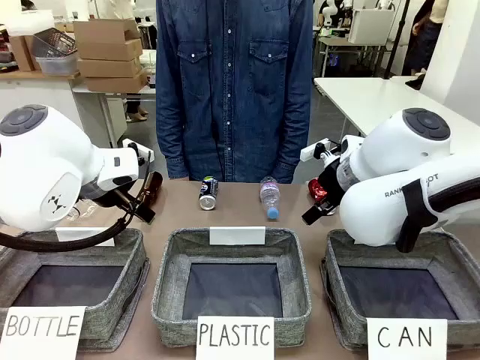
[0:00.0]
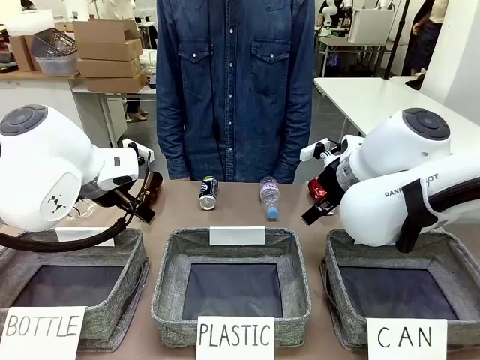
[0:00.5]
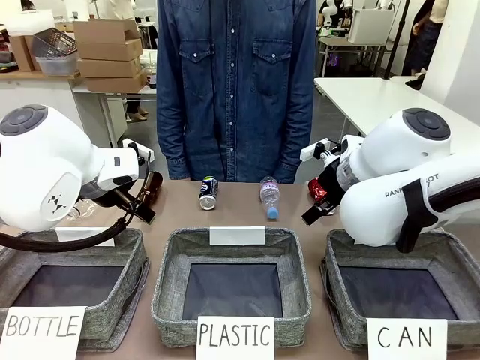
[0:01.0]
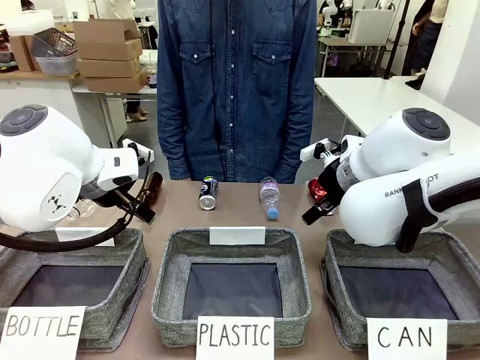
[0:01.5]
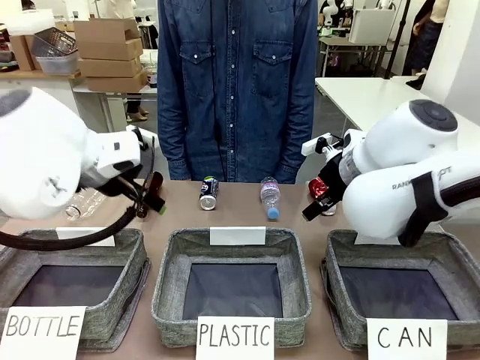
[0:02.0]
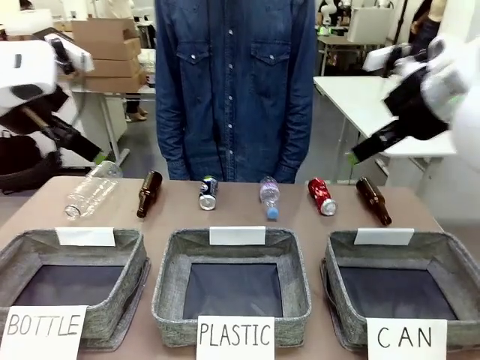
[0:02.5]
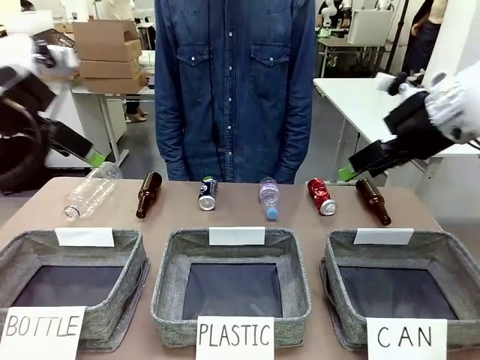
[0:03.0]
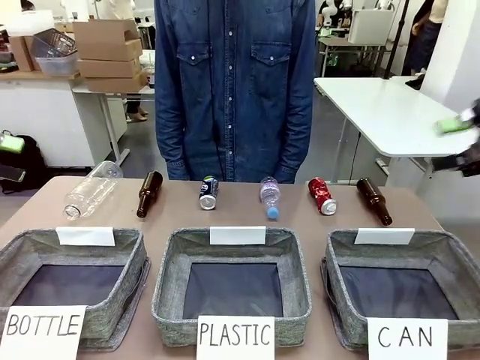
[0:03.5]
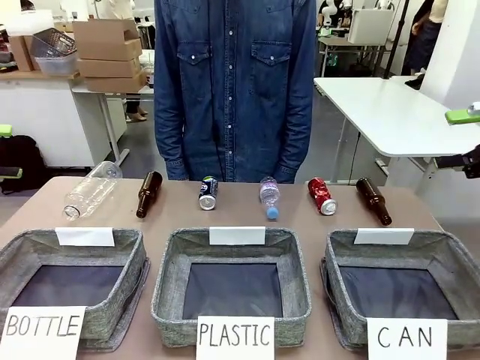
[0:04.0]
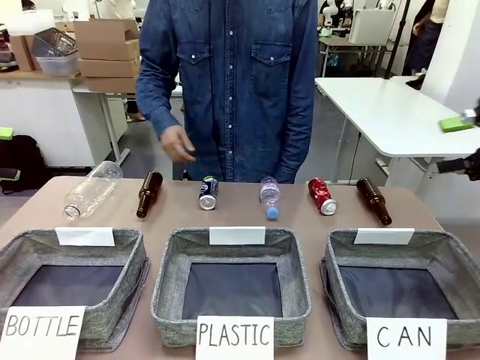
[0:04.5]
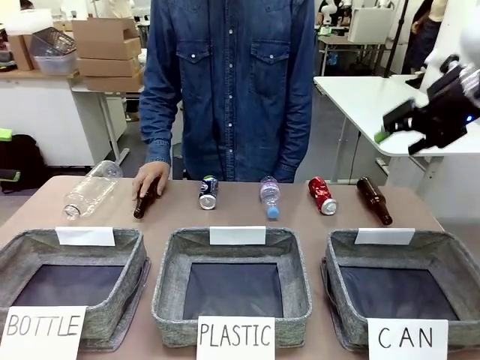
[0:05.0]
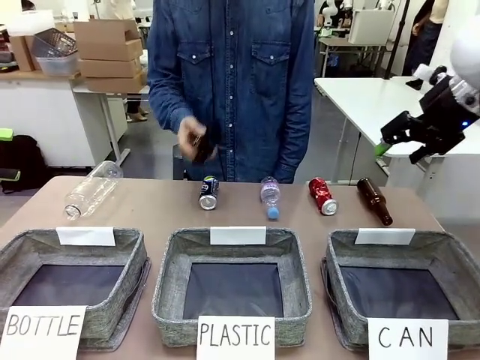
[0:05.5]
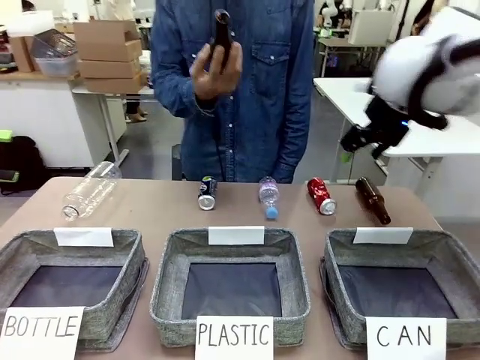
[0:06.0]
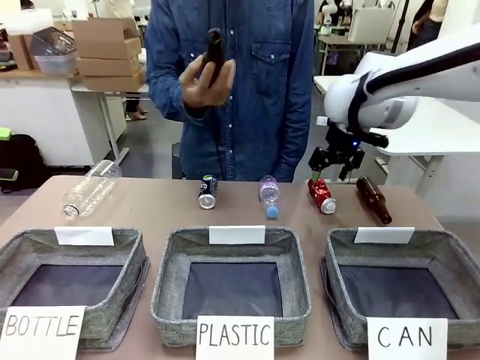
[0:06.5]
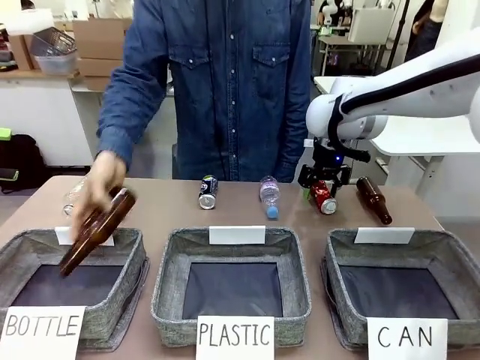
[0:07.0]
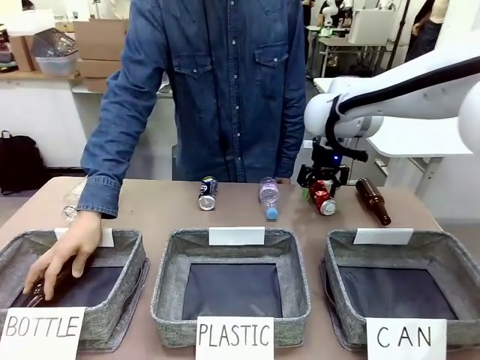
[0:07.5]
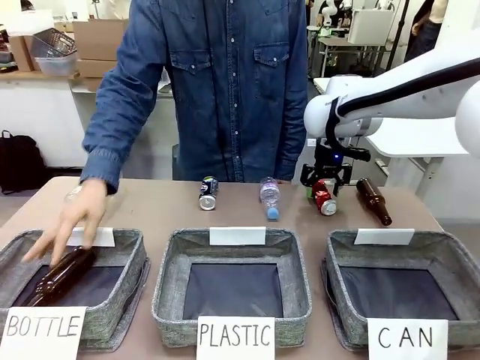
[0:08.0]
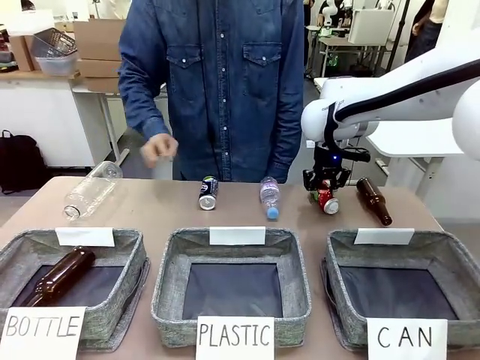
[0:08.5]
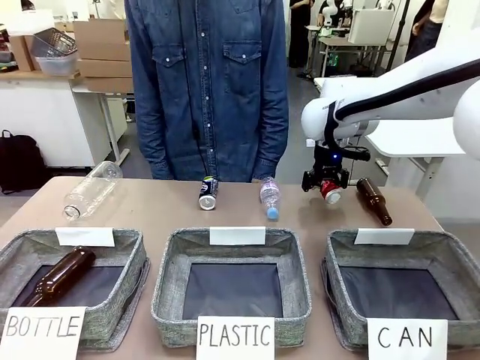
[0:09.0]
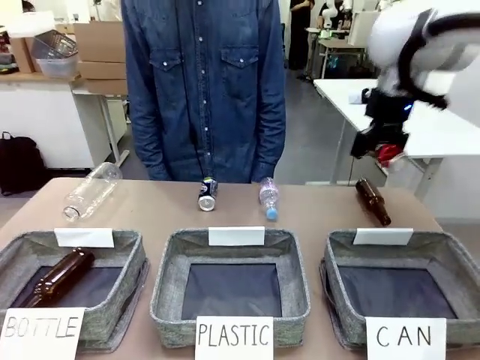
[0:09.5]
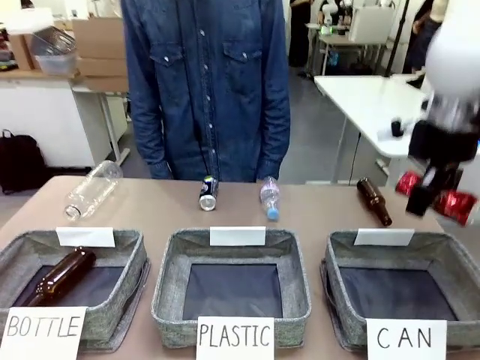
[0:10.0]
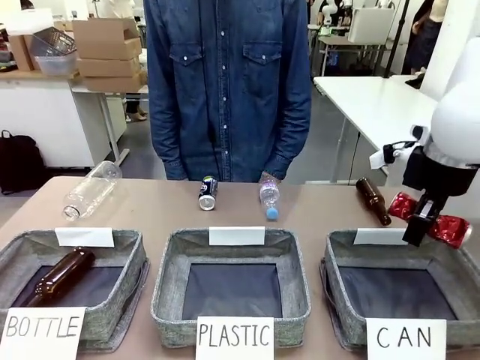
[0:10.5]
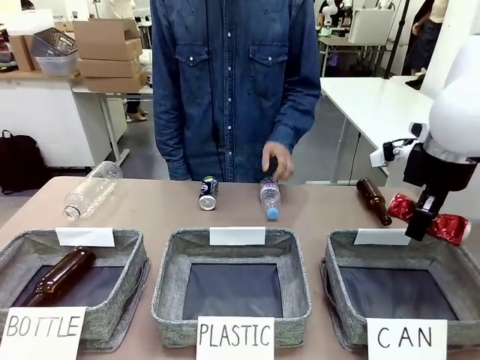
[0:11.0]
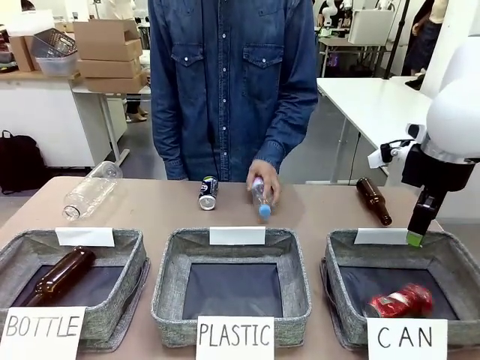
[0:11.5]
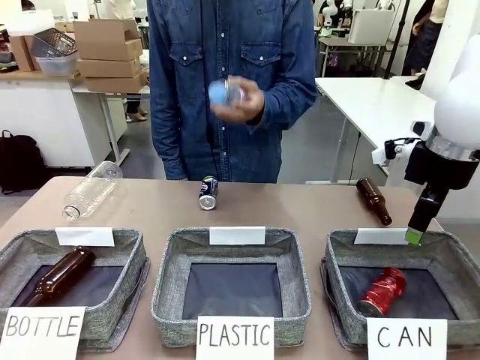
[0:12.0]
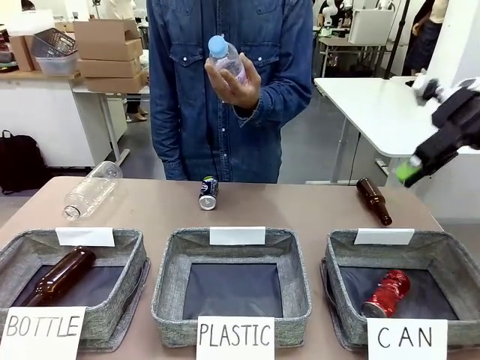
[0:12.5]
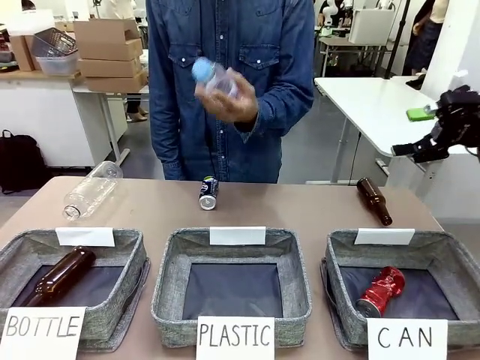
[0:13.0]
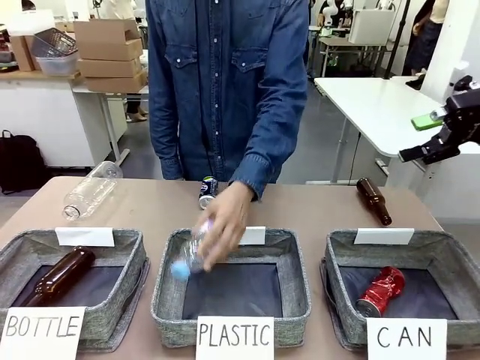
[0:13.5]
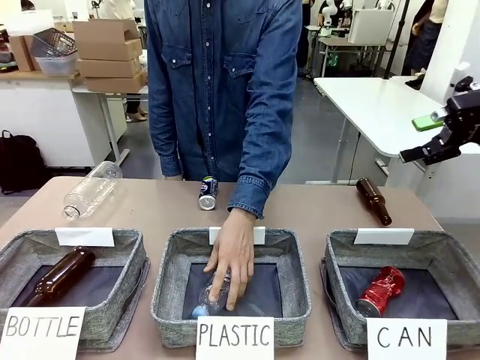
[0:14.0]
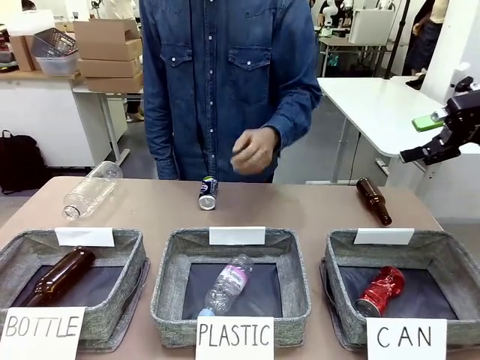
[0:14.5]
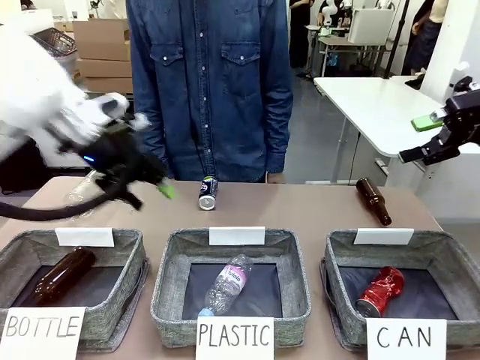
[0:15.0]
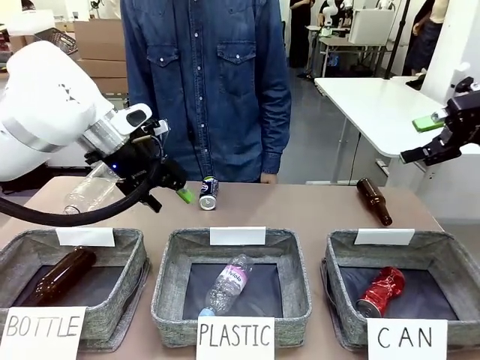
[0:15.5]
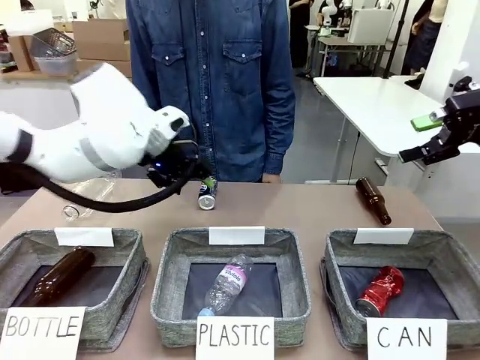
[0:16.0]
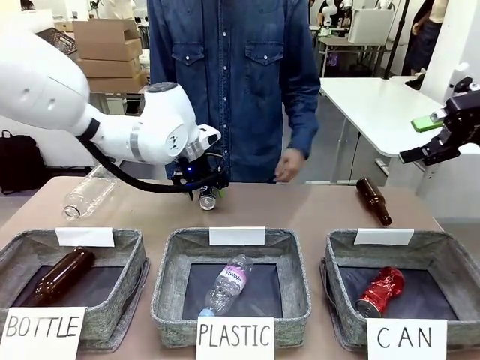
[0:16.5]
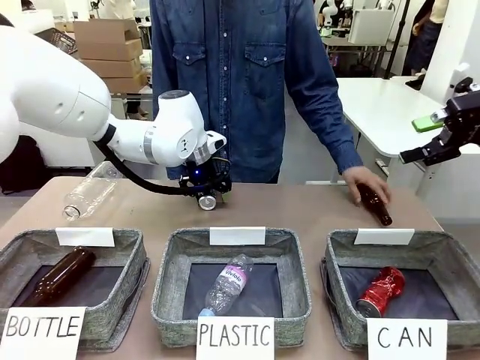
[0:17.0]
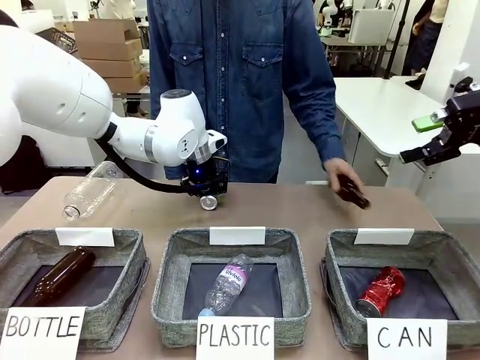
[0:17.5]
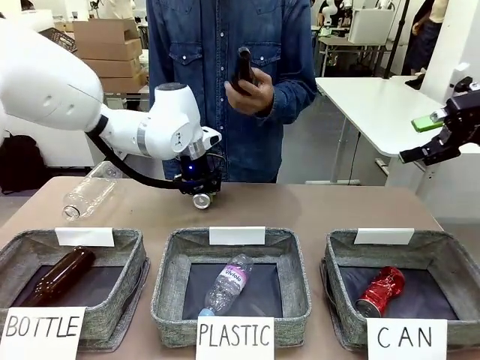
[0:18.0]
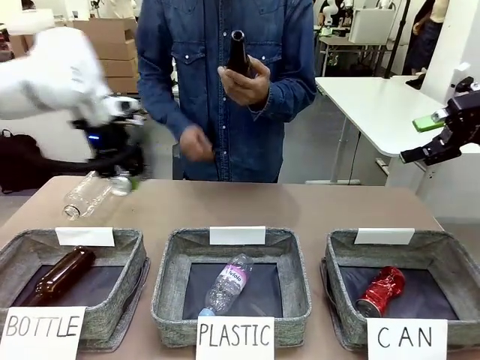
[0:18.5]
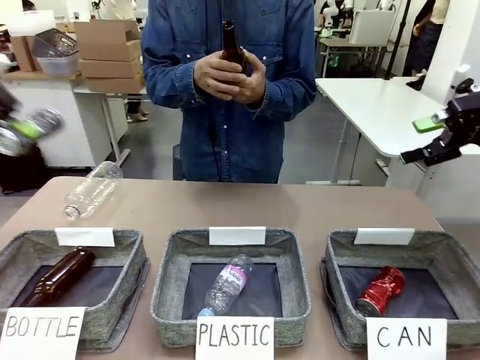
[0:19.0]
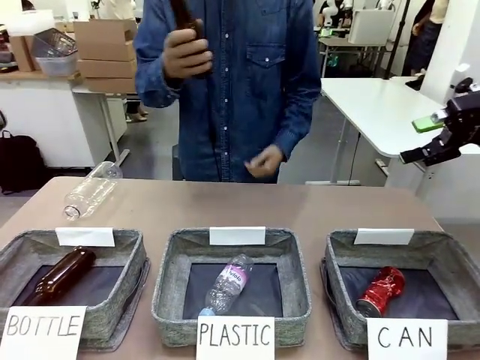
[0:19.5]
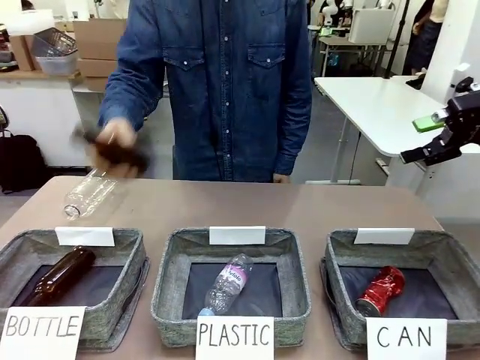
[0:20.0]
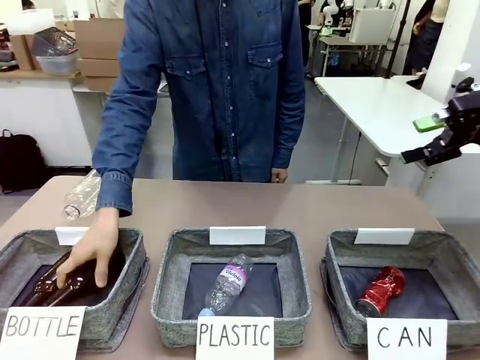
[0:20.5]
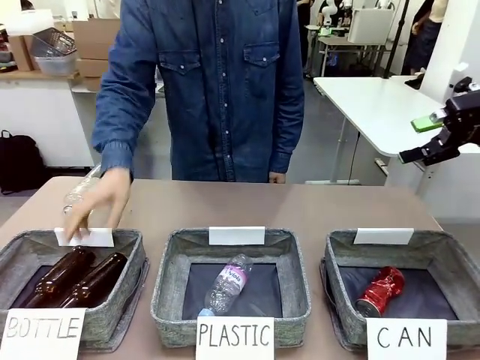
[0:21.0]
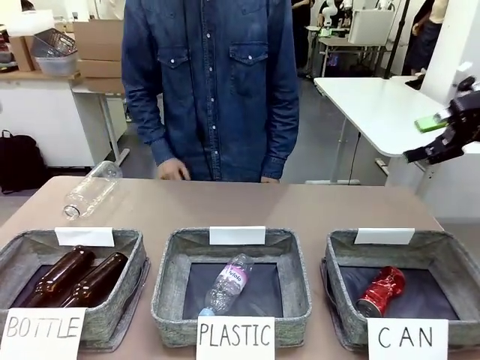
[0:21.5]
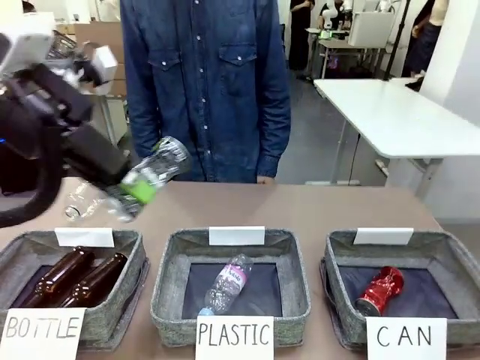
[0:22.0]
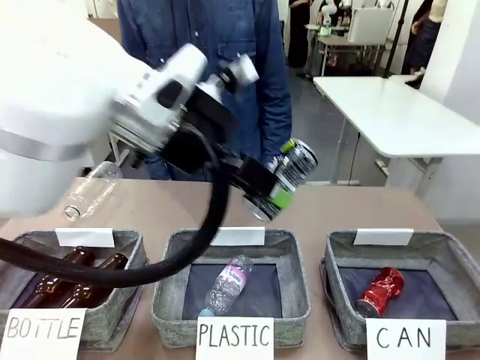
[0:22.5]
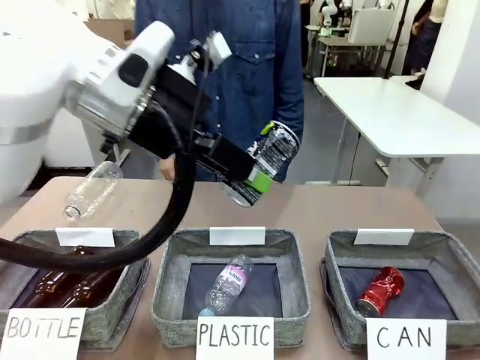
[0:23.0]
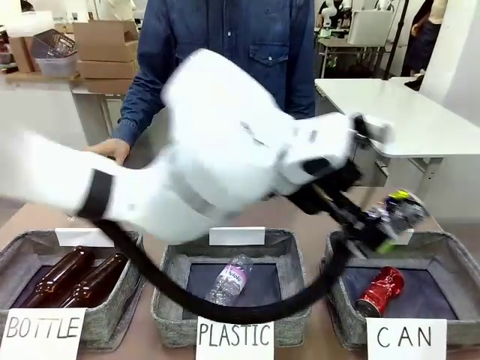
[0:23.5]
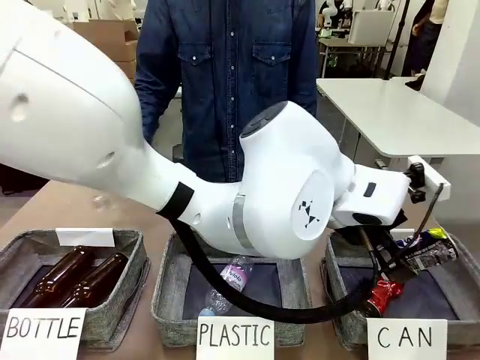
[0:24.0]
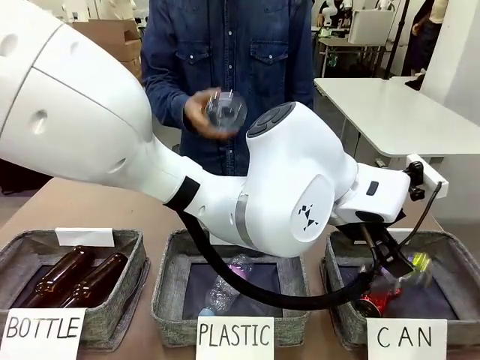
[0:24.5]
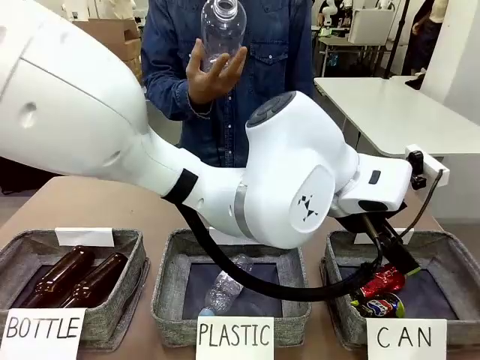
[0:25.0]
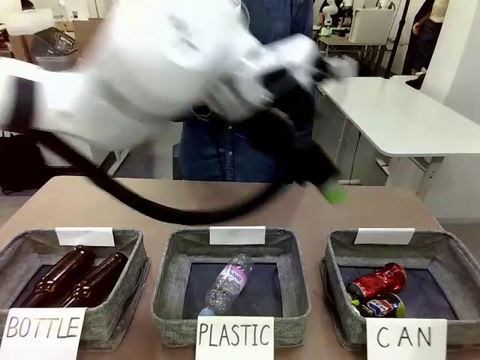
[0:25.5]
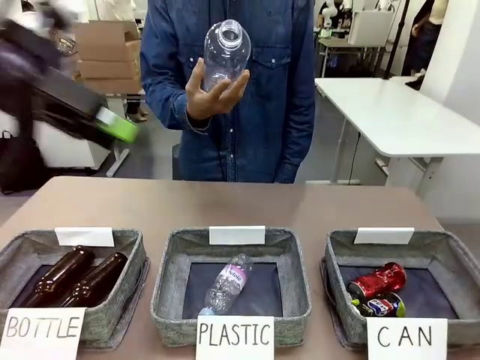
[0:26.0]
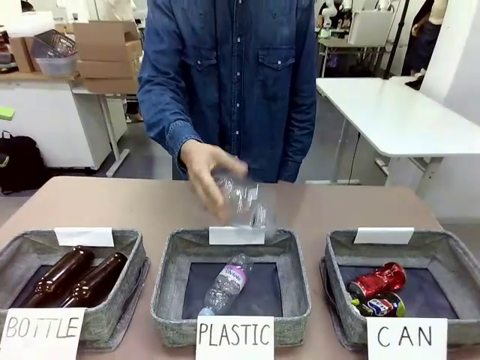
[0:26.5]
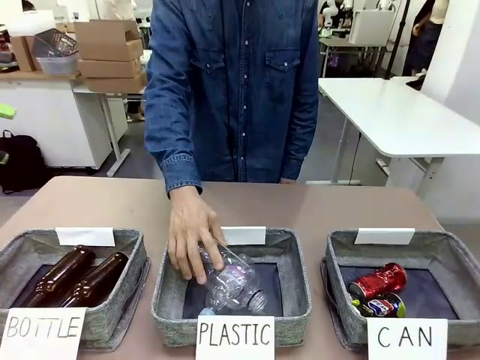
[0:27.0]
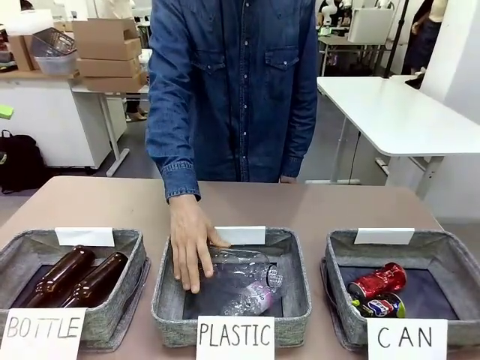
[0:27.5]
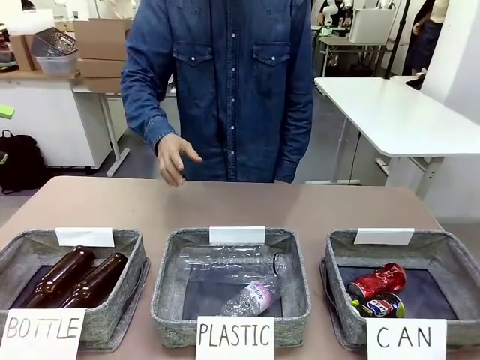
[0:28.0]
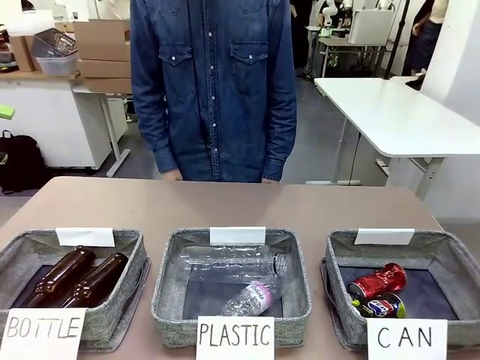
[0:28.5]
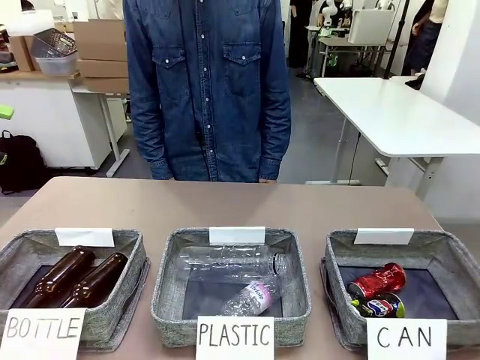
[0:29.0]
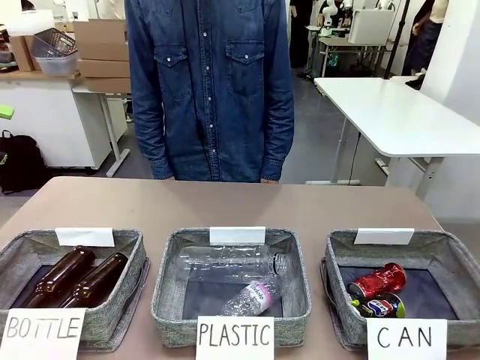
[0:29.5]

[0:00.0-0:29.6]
Task: Sort the can waste into the basket.
Robot: Pick up the can waste from the table and place it in the right Fabric basket.
Person: The human picks up one piece of trash that is not a can and places the trash into the appropriate organizing basket.
